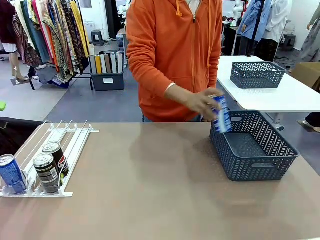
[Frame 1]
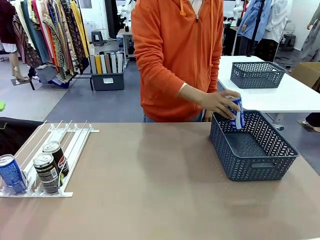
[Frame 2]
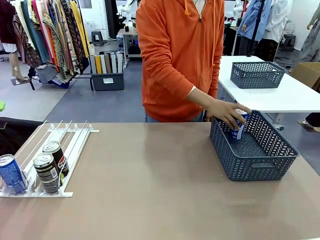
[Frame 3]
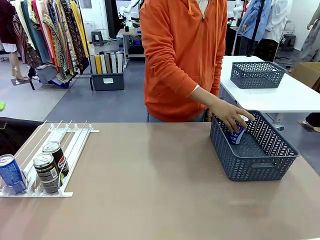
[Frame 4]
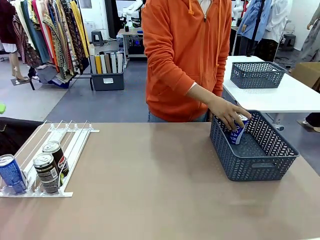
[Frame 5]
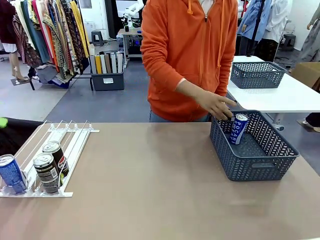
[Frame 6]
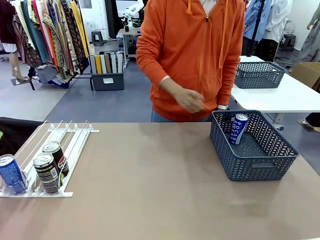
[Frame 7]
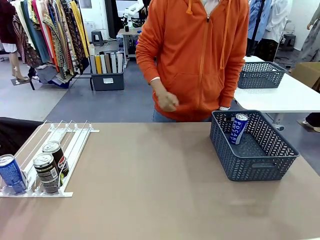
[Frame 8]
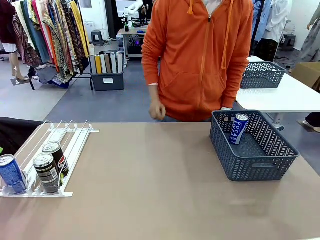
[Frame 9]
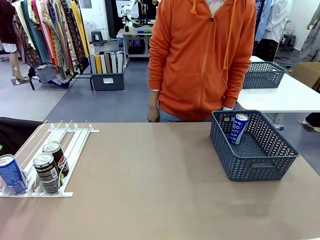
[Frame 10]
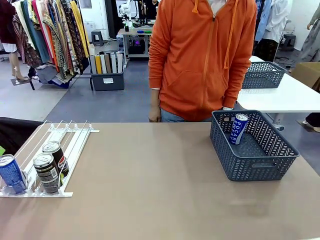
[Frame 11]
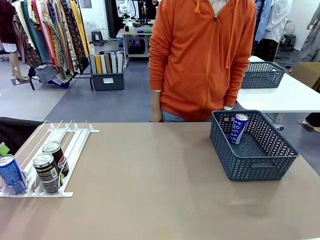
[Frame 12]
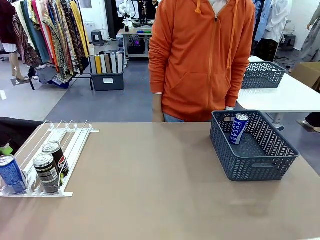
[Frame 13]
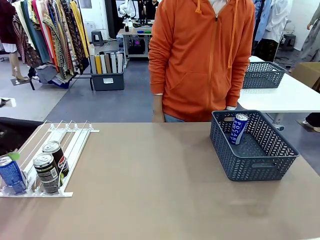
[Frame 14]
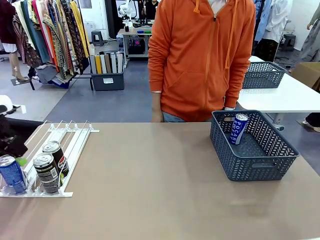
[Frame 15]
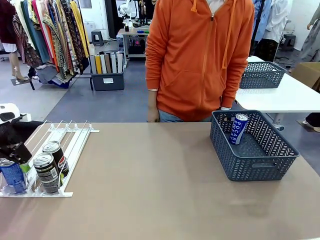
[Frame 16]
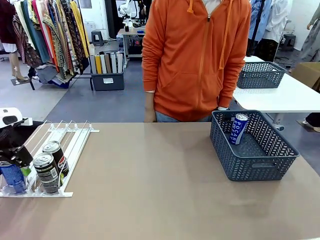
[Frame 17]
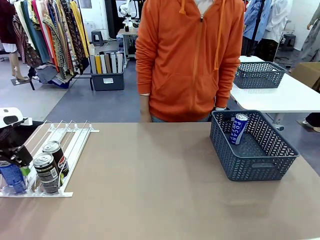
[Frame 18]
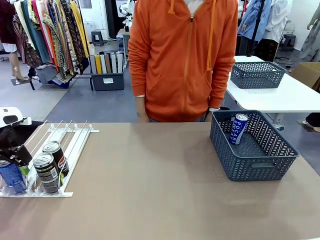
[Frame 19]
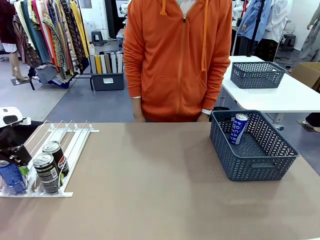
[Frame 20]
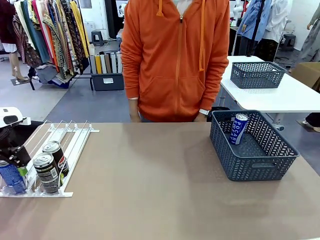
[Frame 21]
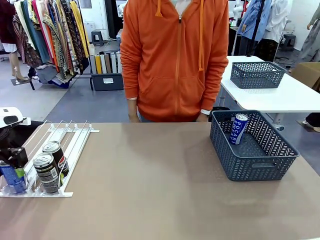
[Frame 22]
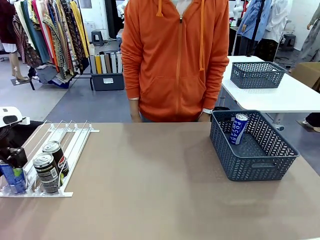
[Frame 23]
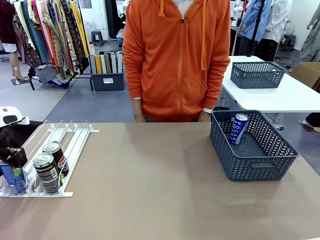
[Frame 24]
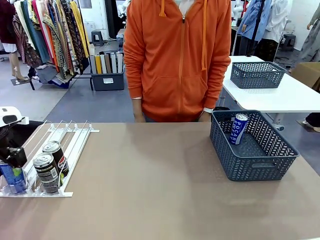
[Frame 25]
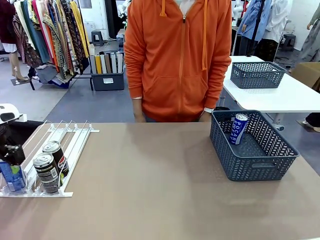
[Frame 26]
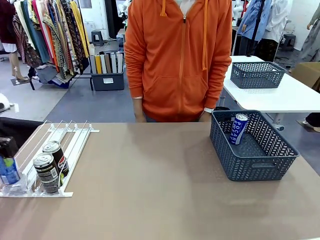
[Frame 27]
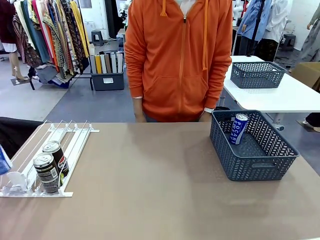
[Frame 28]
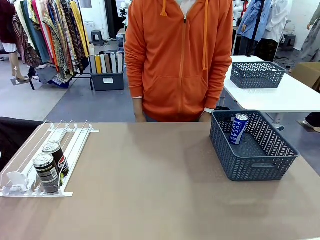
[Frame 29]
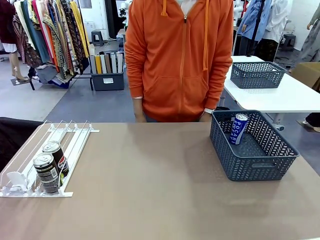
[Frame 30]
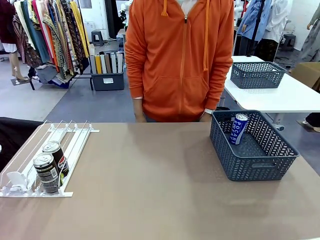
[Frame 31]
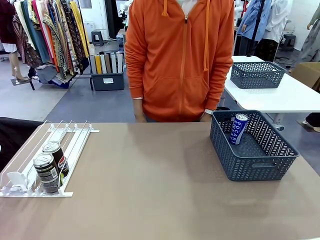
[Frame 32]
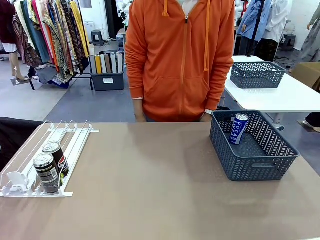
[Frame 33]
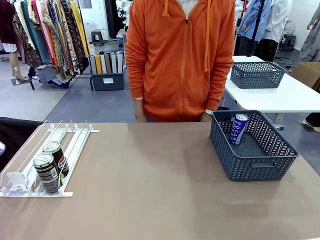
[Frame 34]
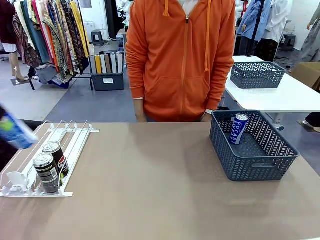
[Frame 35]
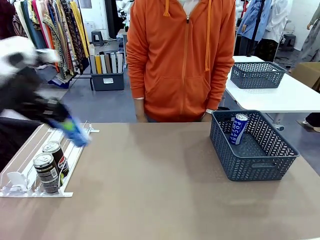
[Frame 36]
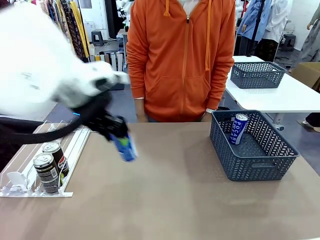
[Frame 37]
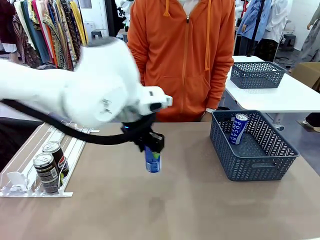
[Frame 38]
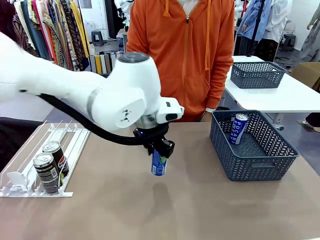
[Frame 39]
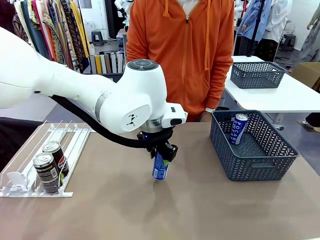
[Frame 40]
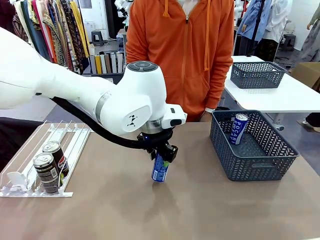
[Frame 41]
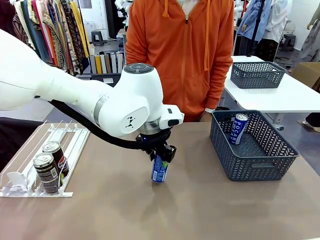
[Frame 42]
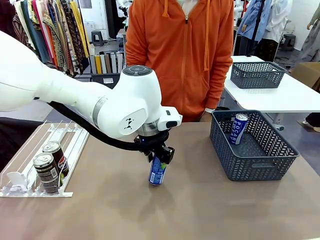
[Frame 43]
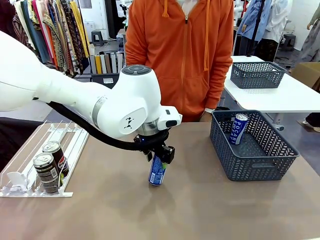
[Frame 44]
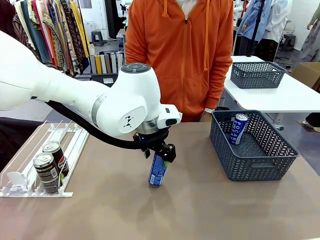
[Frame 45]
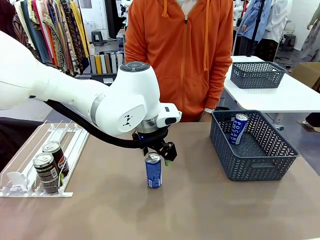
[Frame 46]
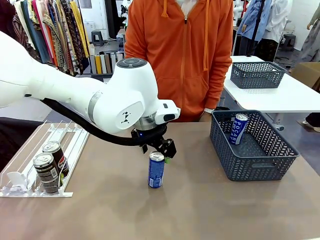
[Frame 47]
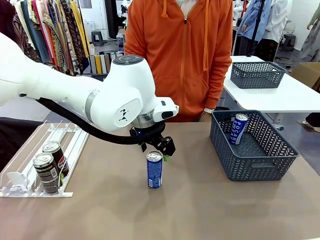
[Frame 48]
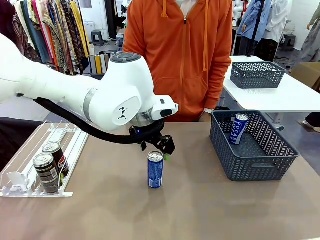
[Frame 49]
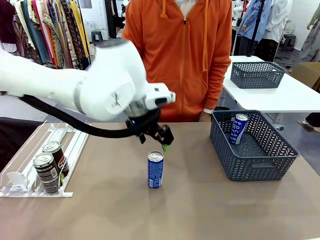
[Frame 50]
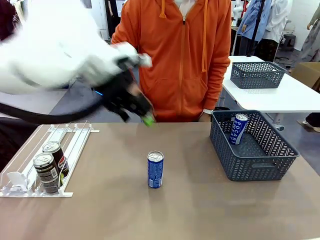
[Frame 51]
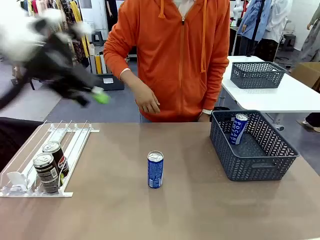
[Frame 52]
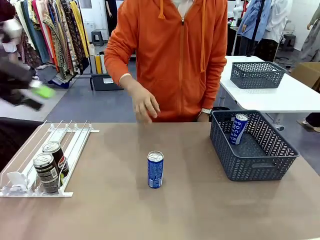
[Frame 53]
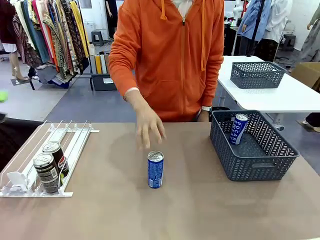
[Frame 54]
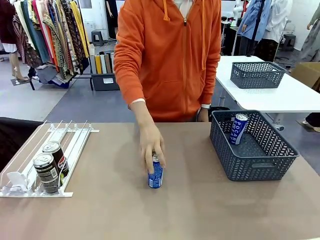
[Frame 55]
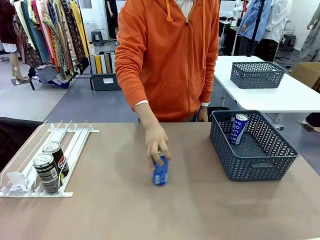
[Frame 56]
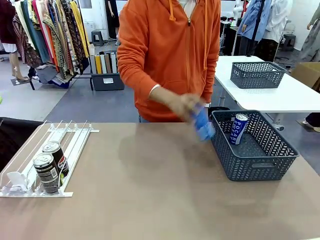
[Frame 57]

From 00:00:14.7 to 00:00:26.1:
Task: Retrieve and store the cans from the dispenser.
Robot: Pick up the last remaining can from one row of the Automatic Can Dispenser and place it in the middle of the table.
Person: Pick up one Pepsi can from the middle of the robot table and place it in the basket.

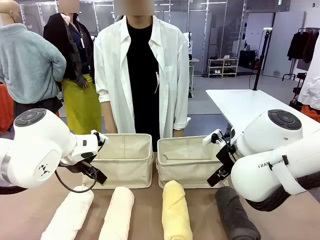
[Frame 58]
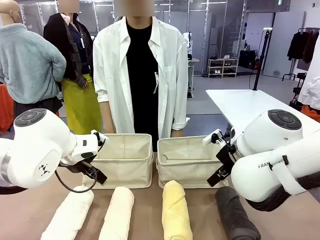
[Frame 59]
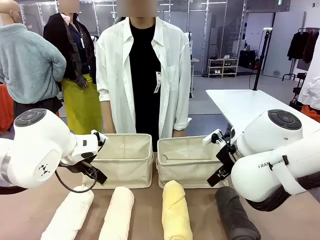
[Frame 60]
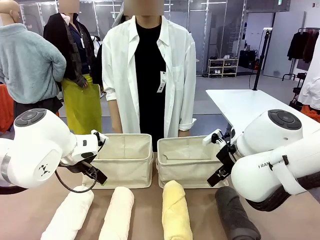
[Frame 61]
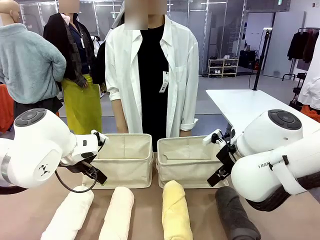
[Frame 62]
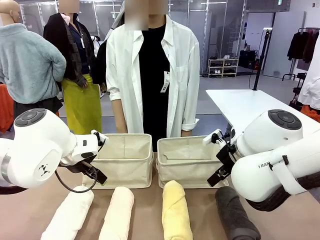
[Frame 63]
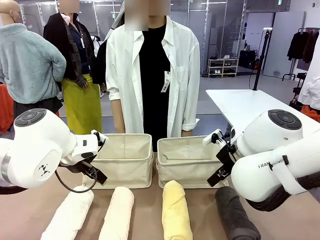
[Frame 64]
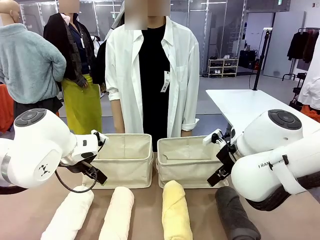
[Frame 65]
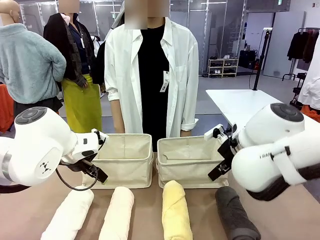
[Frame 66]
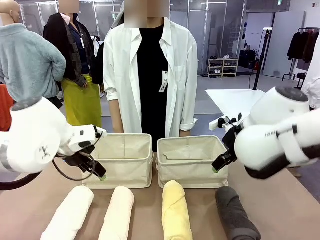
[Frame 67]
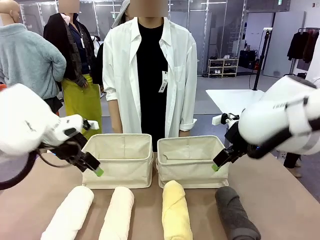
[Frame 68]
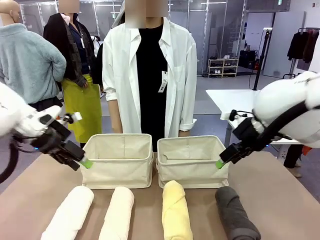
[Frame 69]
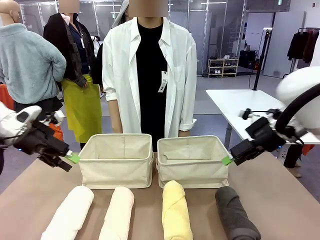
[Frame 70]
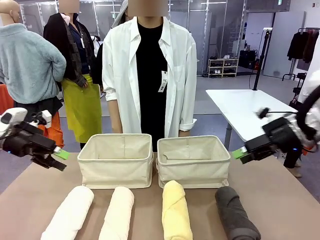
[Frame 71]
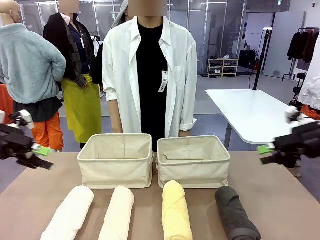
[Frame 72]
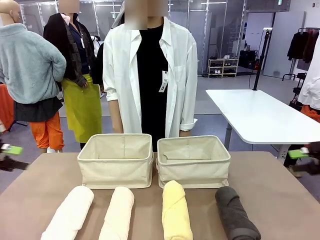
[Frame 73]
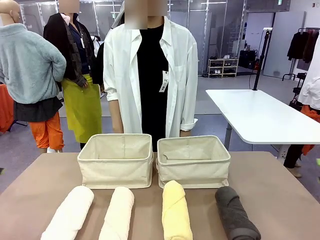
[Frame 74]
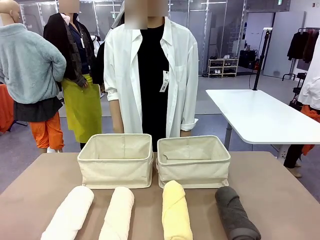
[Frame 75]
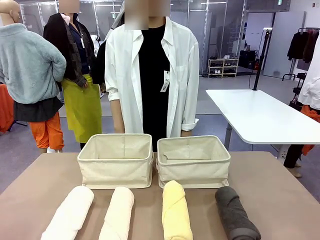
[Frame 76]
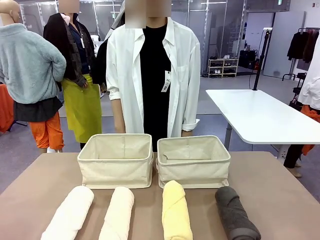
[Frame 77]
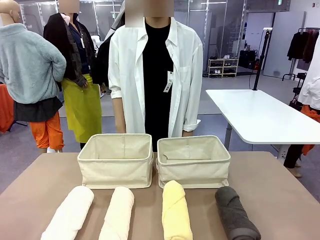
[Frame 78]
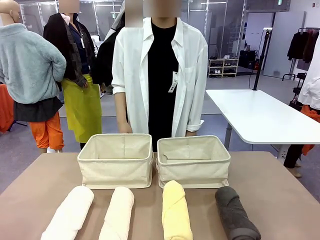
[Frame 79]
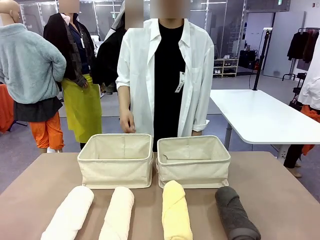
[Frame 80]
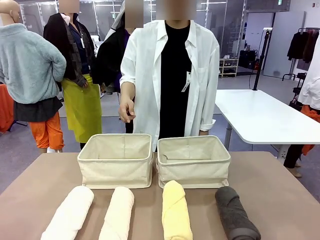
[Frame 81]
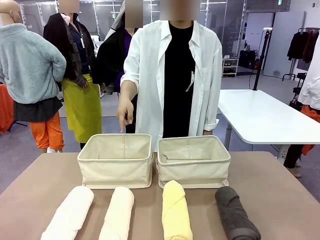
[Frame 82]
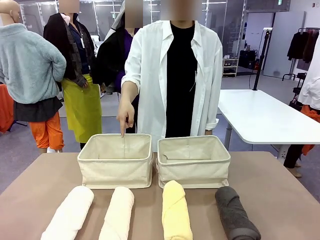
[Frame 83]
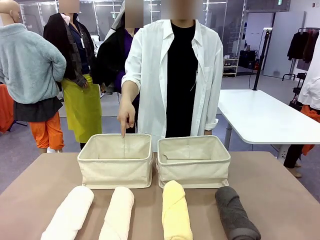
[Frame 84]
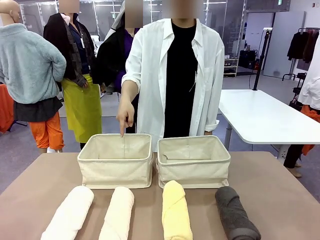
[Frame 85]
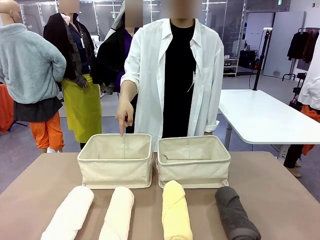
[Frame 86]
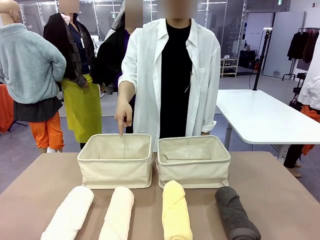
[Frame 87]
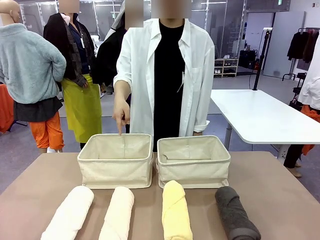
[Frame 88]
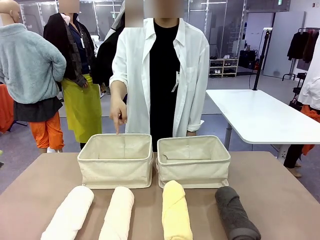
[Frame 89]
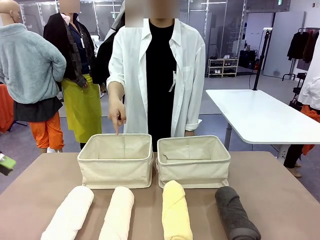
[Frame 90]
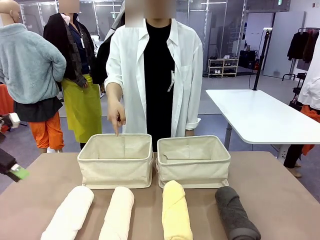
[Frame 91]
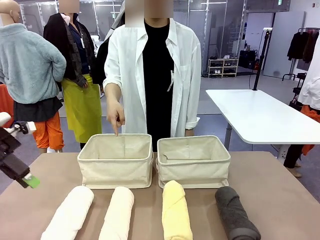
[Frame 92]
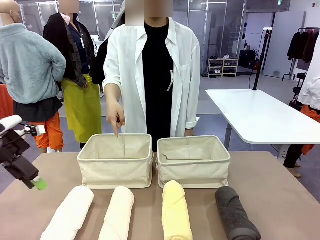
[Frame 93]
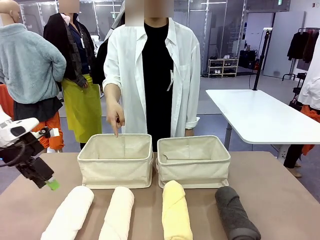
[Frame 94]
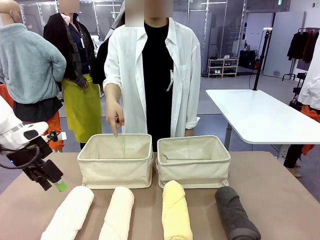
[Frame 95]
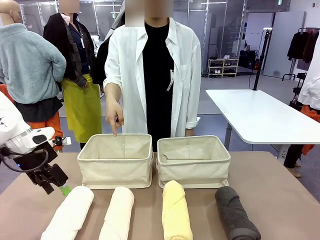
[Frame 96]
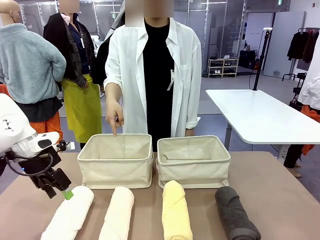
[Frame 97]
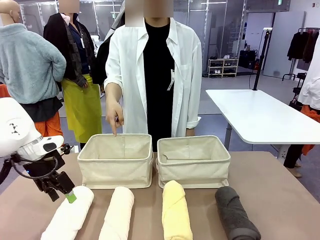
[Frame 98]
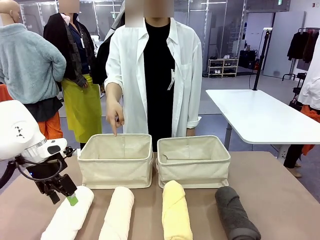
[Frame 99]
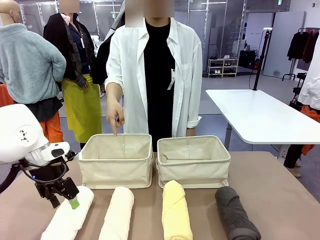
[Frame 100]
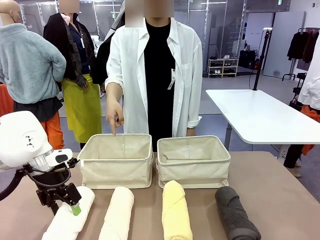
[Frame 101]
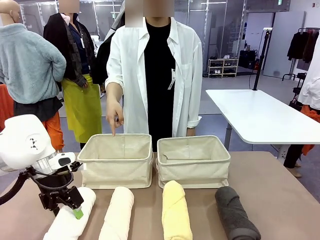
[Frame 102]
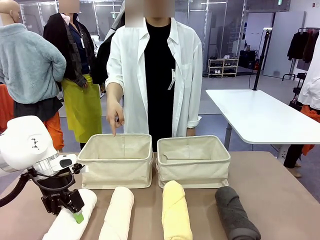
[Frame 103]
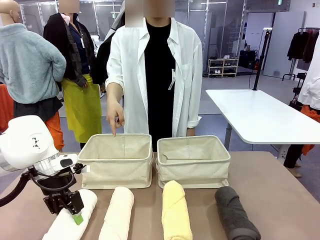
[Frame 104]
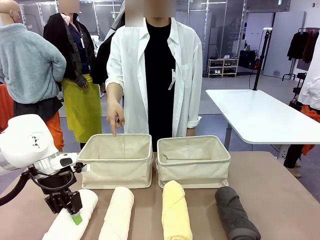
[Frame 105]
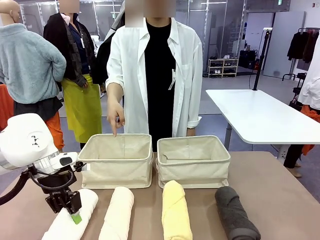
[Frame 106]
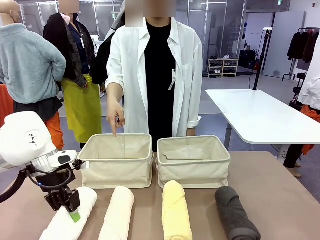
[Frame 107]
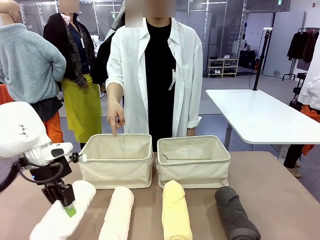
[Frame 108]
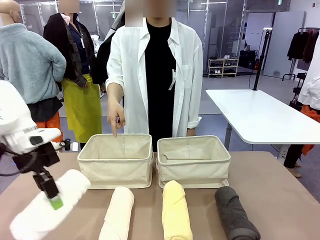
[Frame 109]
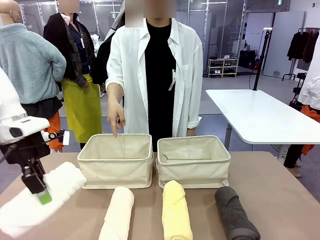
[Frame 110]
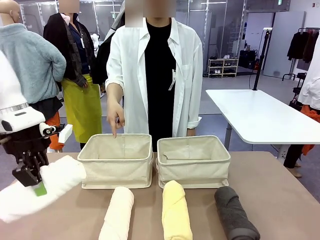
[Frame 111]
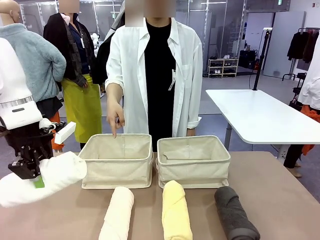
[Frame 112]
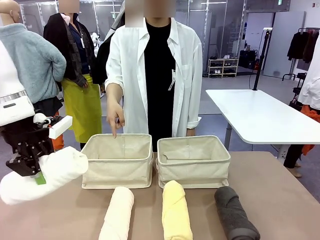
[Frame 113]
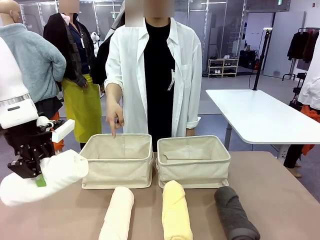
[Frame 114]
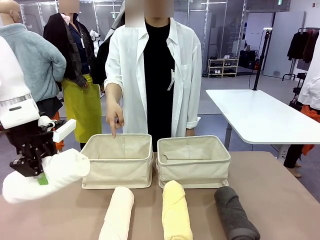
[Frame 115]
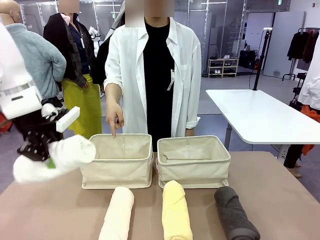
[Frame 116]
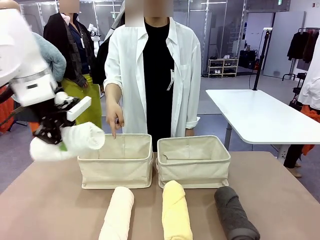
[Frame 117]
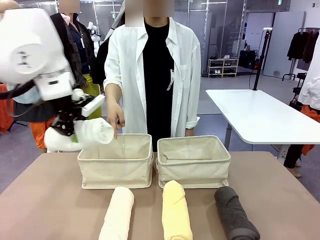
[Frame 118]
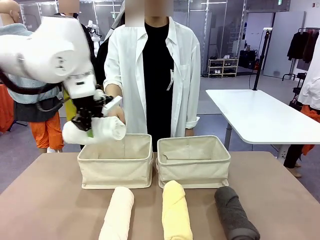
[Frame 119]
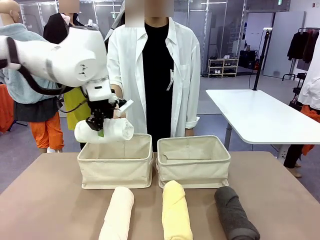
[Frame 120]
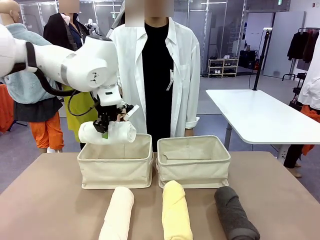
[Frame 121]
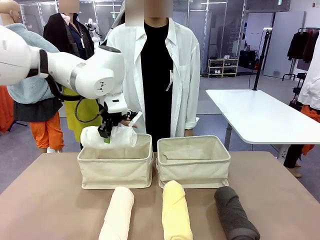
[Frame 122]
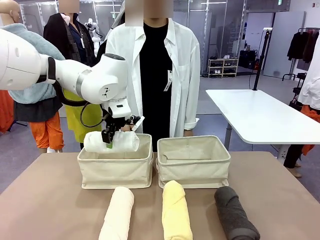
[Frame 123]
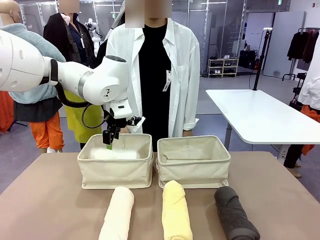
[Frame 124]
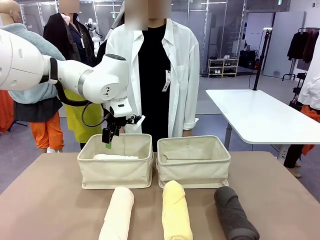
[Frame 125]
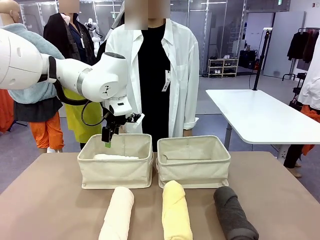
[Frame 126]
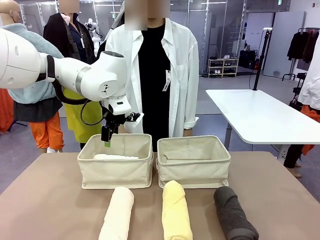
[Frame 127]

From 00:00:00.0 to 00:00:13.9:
Task: Divide the towels into two baskets.
Robot: Pick up one hotel-folded towel and place it in the Fabric basket indicated by the person.
